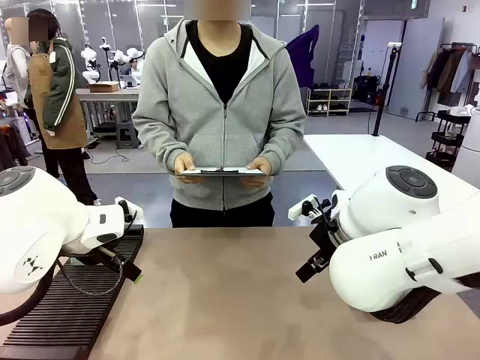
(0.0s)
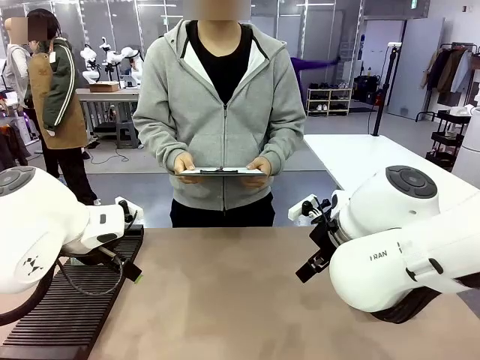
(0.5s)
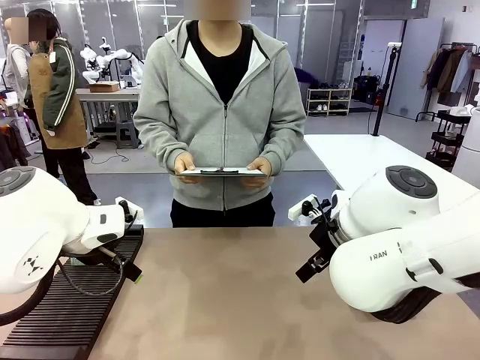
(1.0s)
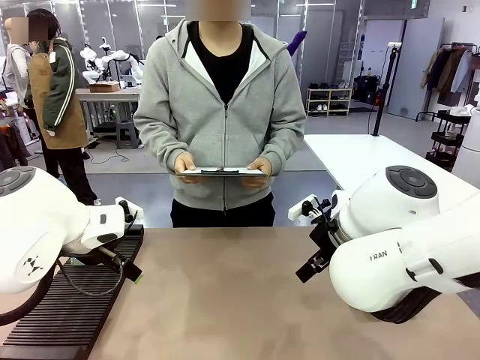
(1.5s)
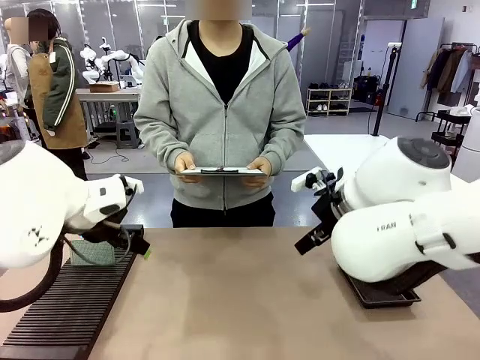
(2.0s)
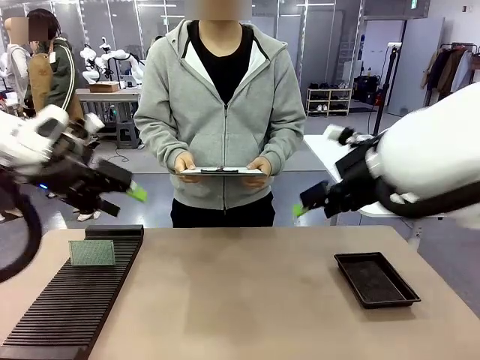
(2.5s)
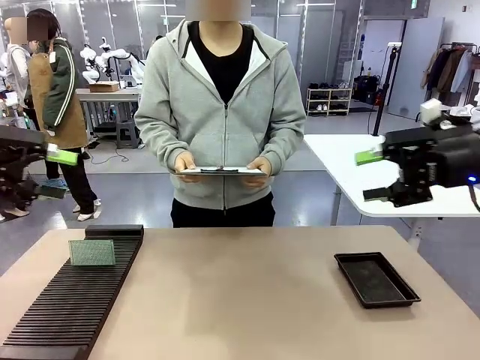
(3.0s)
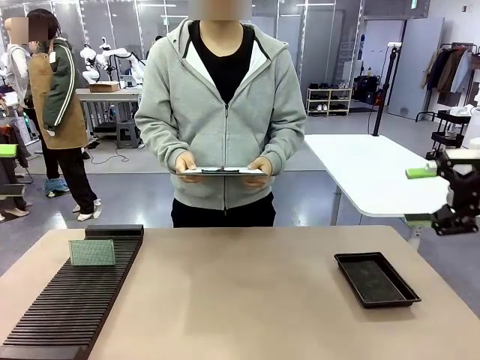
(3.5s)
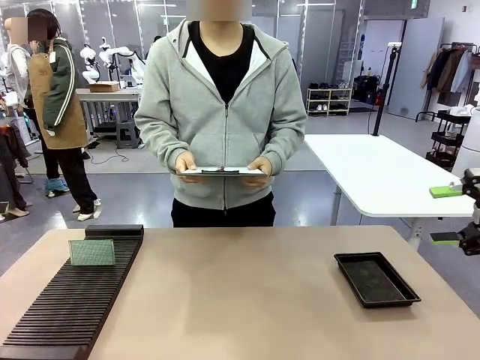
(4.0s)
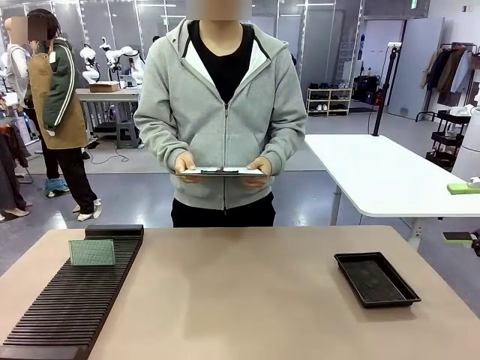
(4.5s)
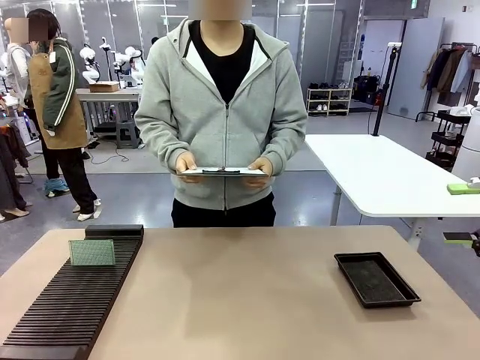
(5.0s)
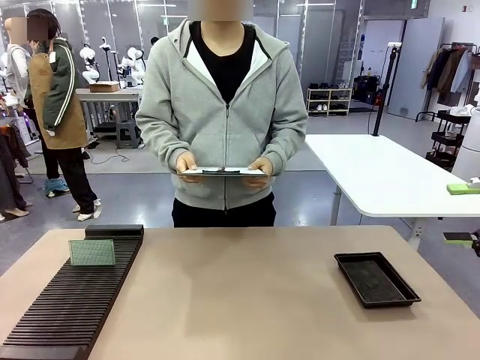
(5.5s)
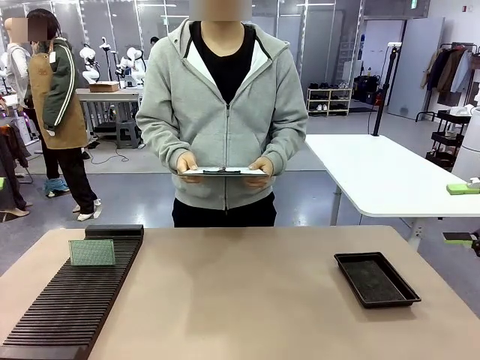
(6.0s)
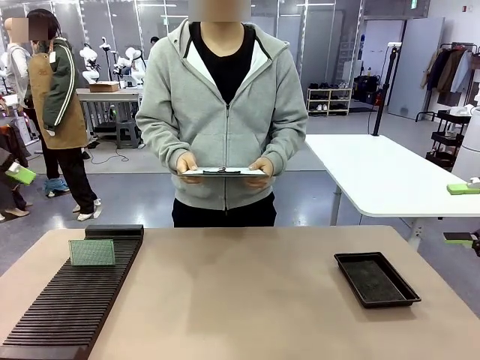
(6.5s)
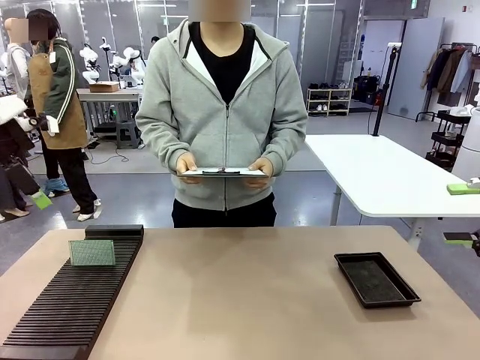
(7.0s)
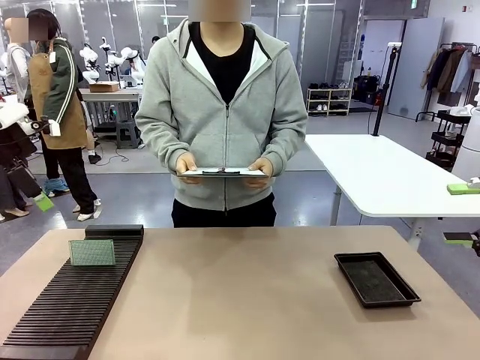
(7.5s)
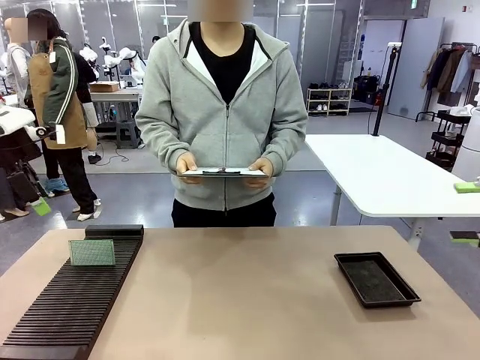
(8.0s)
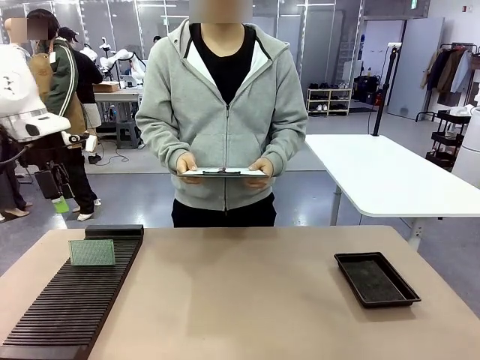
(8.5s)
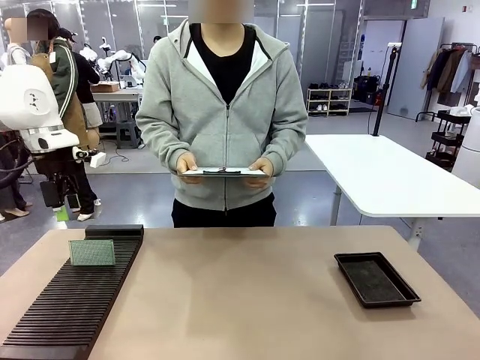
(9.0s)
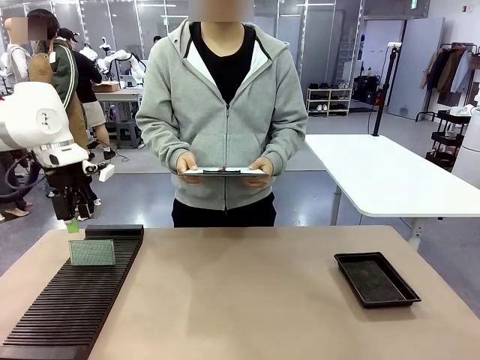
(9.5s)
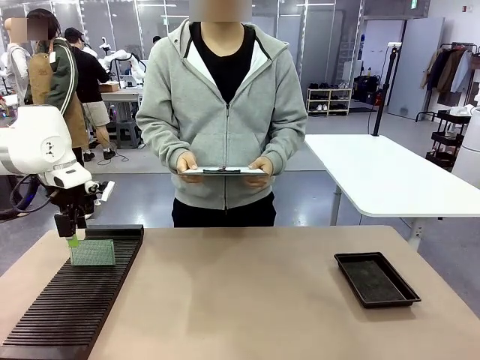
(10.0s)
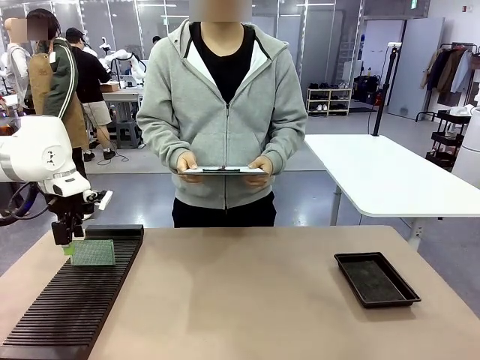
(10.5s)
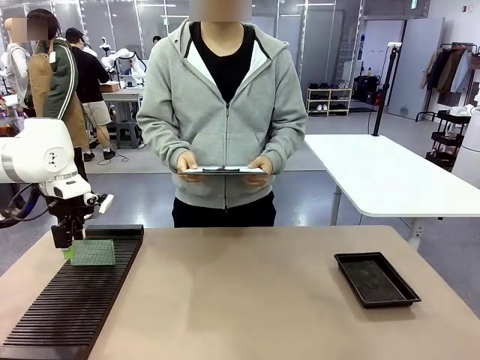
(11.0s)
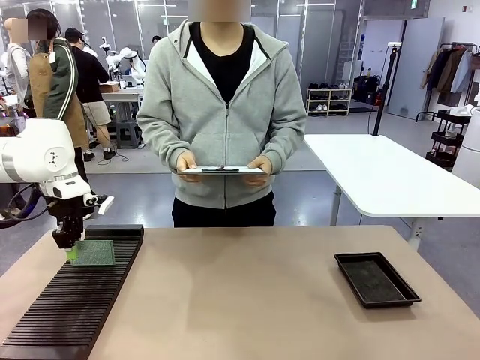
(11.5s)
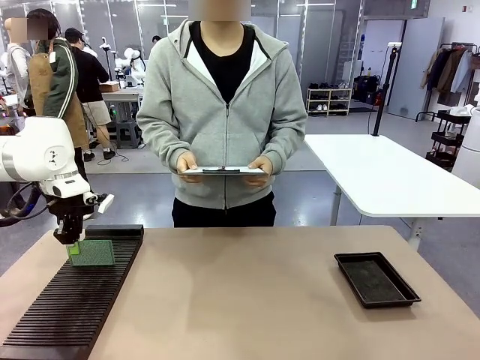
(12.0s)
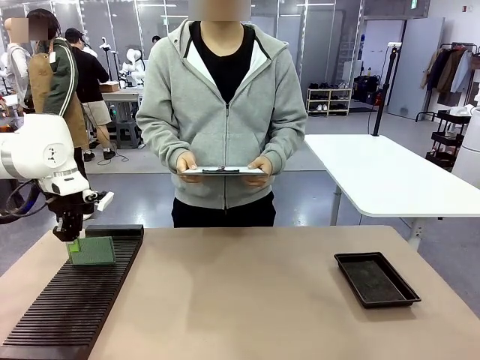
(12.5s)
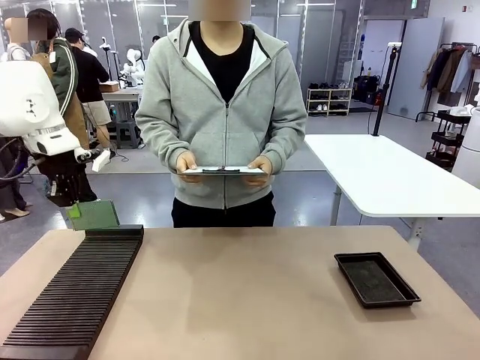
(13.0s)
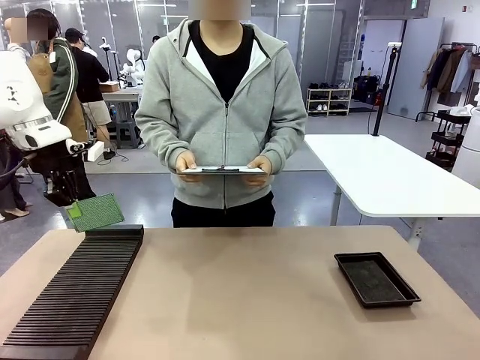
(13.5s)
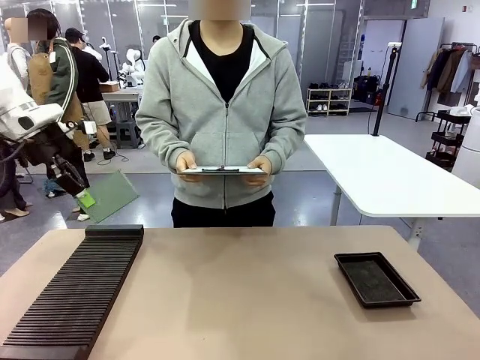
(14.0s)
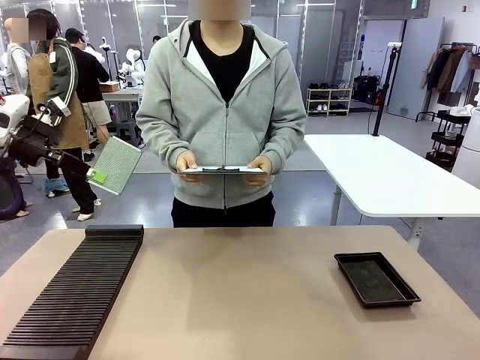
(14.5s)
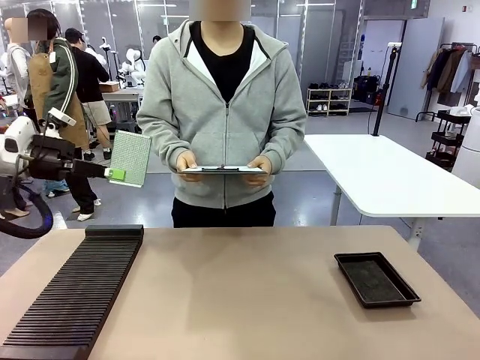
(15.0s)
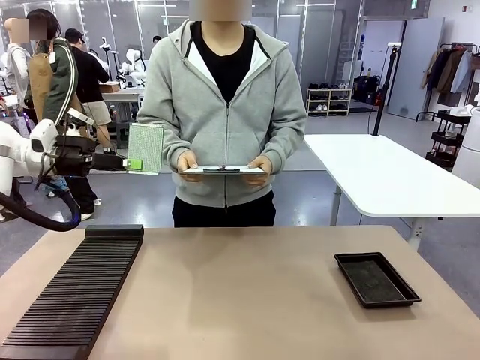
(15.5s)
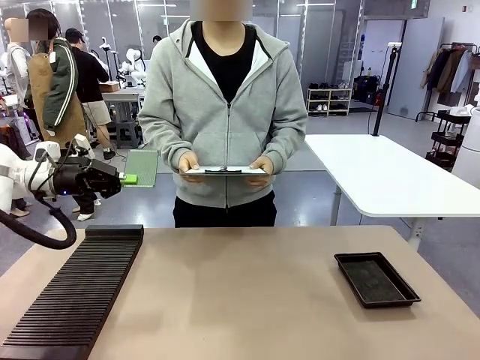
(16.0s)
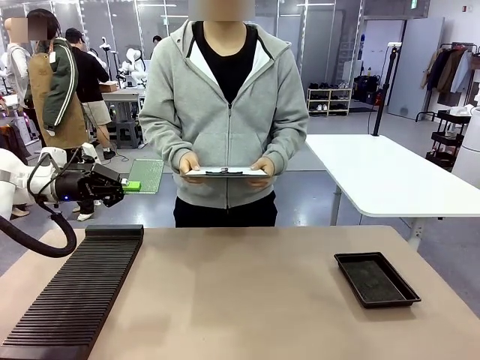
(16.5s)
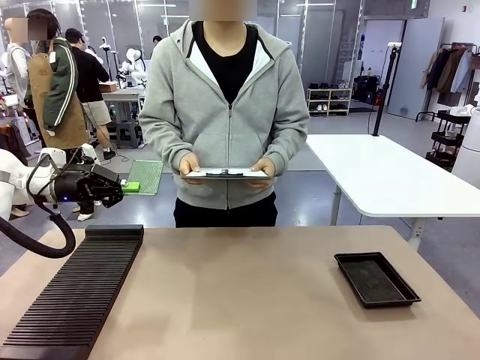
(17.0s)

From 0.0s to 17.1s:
Task: Inspect the PCB.
Robot: Pick up the Blank PCB and present it to the human.
Person: Pick up the PCB presented by the robot.

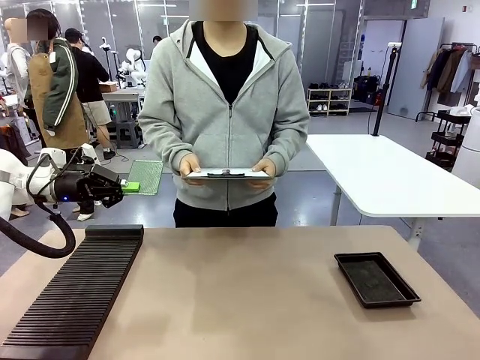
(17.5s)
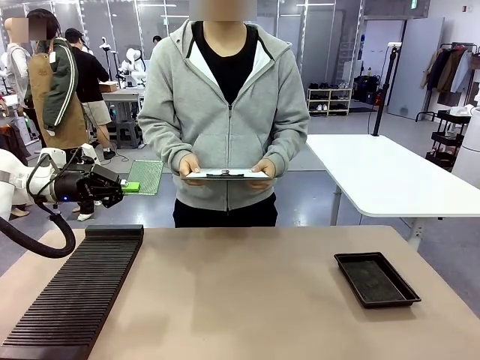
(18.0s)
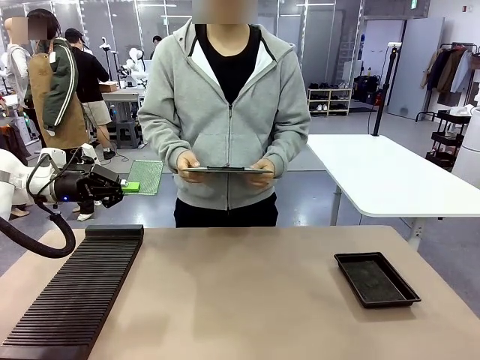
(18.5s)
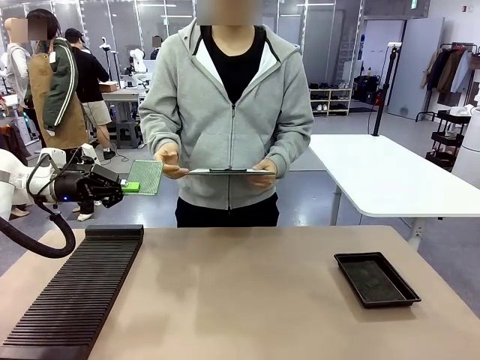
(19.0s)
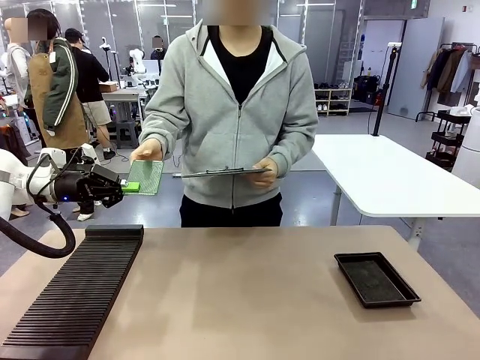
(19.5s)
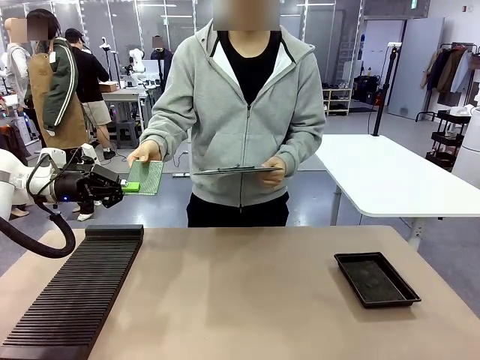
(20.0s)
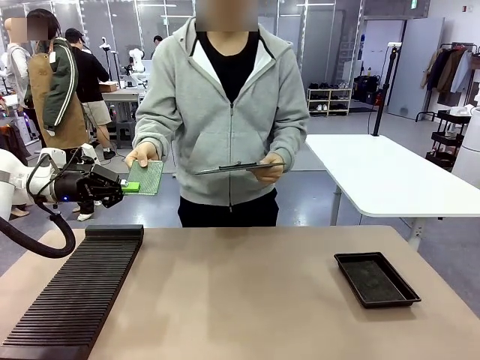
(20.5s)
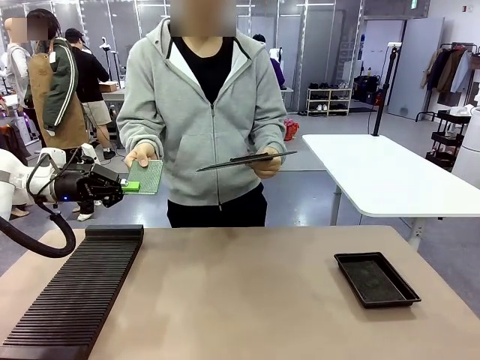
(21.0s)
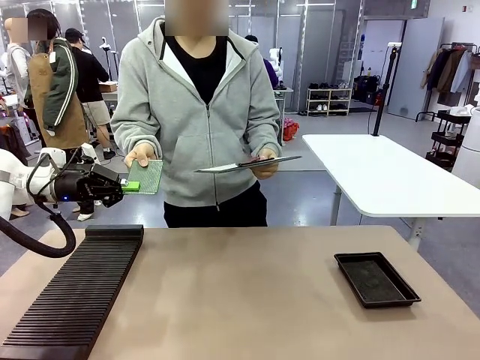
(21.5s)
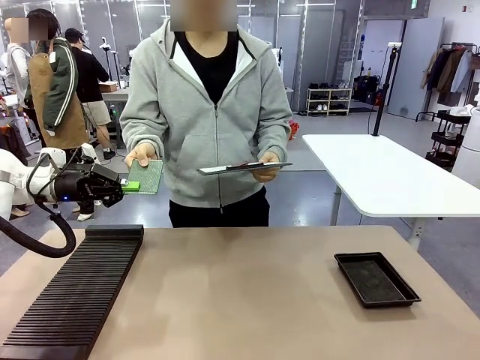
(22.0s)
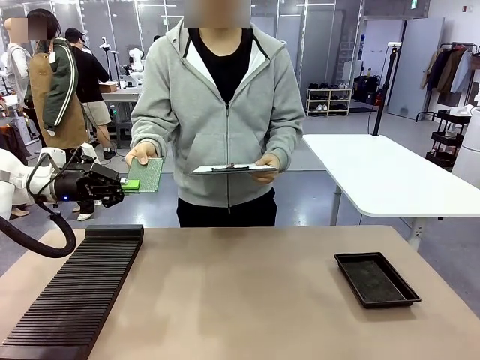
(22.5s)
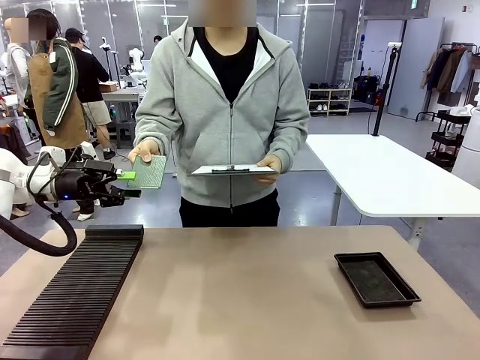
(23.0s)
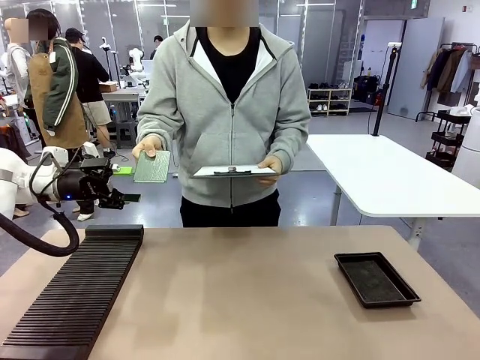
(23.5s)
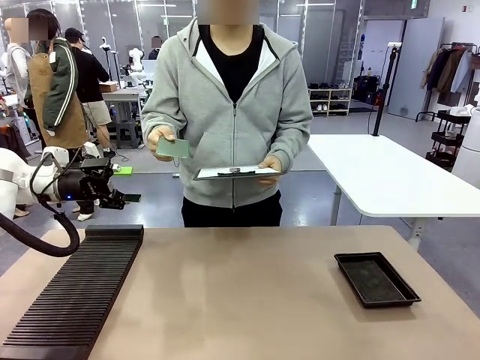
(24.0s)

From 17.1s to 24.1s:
Robot: Release the Blank PCB you were holding.

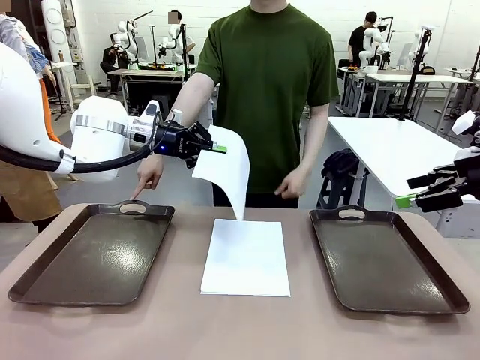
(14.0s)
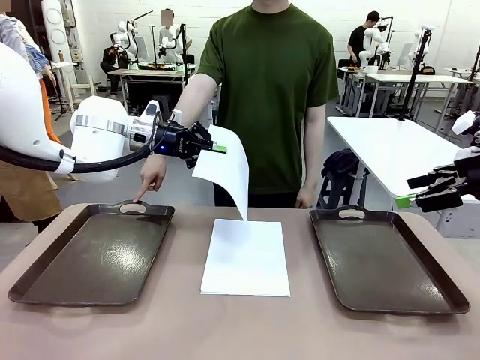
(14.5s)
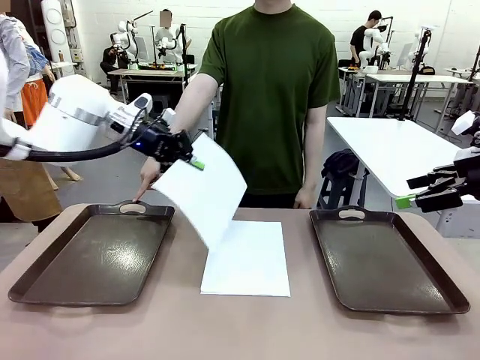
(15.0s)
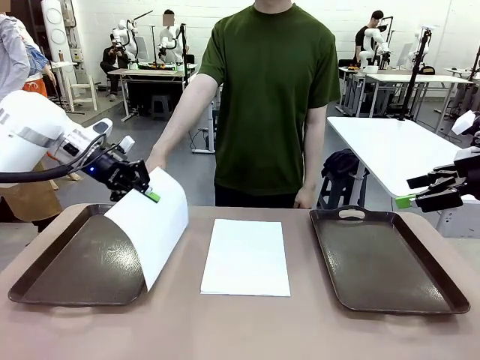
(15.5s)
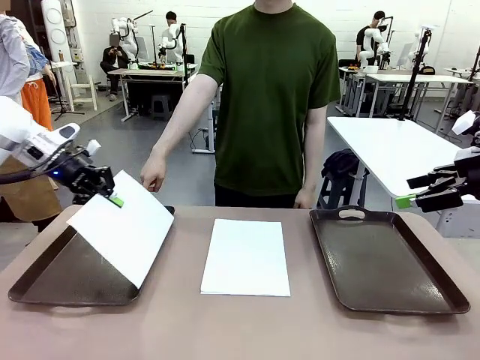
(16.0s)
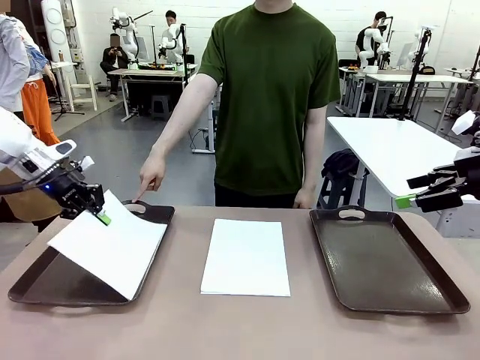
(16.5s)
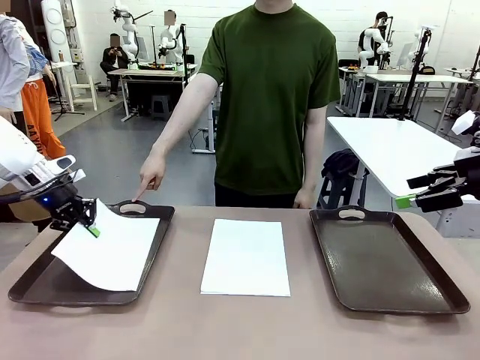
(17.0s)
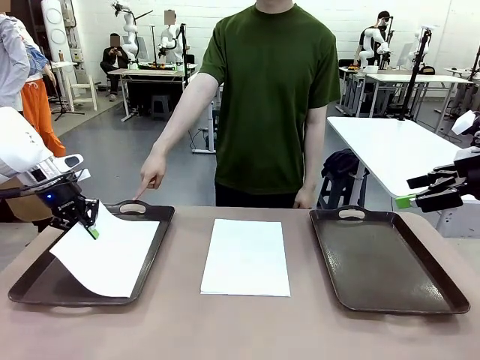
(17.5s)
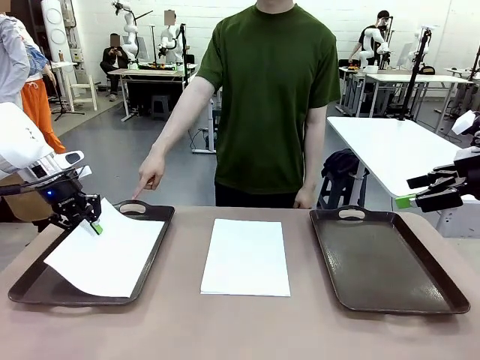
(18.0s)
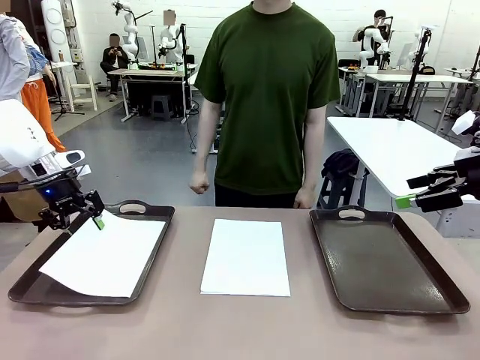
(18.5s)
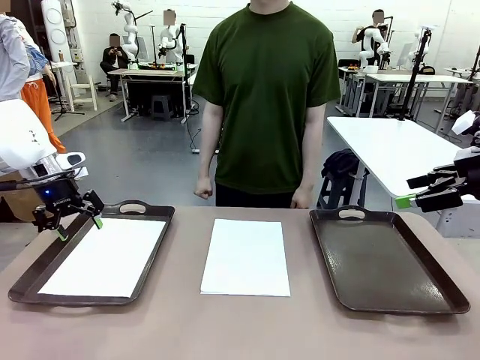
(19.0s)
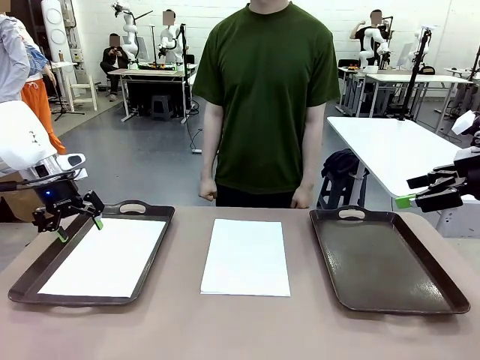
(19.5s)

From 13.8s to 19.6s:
Task: Sort the A4 documents.
Robot: Place the A4 Paper in the designated Handle tray.
